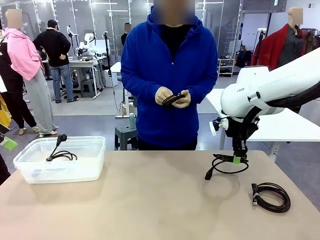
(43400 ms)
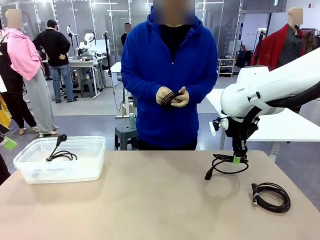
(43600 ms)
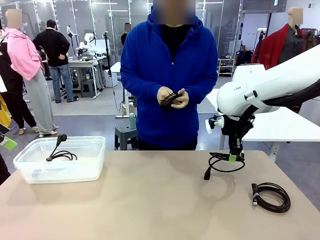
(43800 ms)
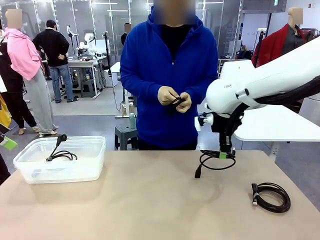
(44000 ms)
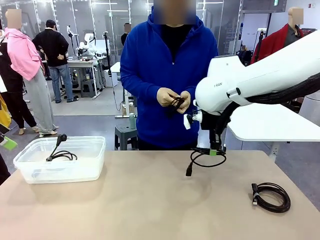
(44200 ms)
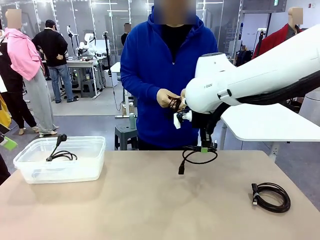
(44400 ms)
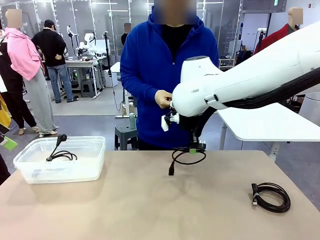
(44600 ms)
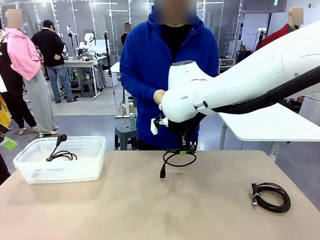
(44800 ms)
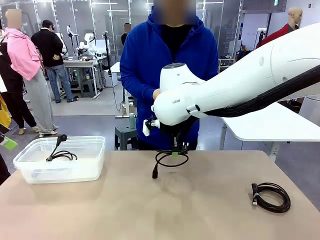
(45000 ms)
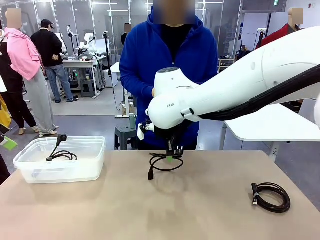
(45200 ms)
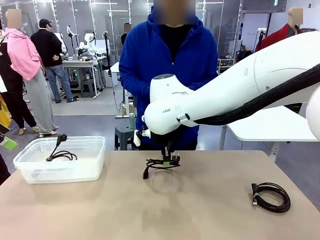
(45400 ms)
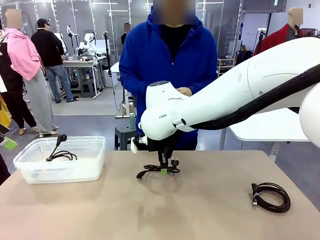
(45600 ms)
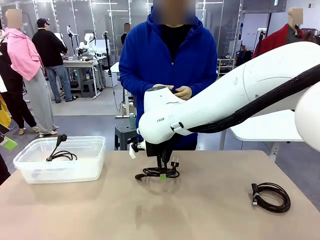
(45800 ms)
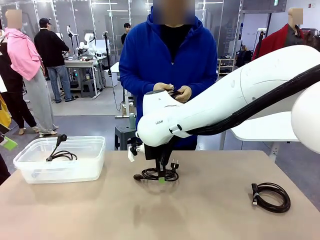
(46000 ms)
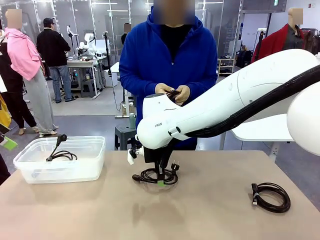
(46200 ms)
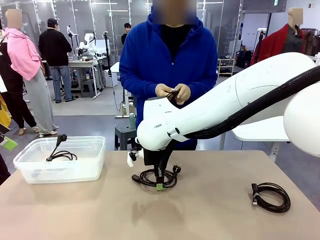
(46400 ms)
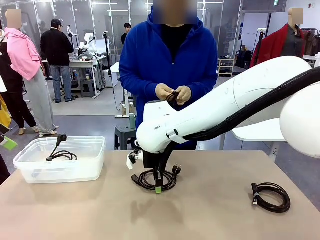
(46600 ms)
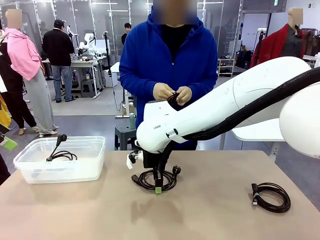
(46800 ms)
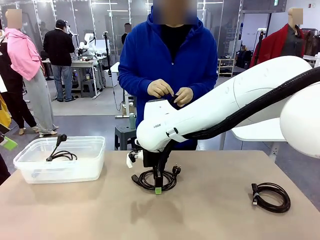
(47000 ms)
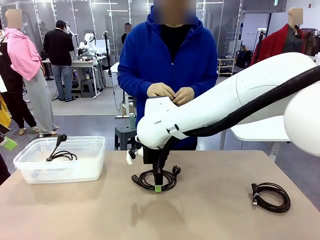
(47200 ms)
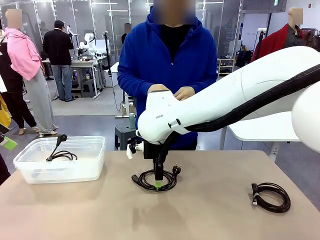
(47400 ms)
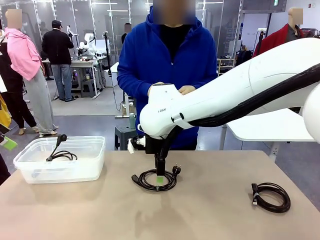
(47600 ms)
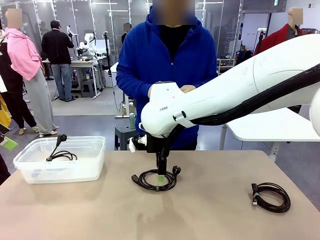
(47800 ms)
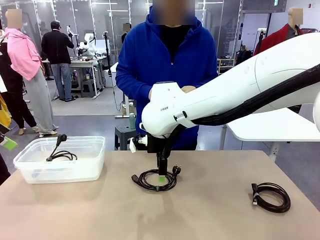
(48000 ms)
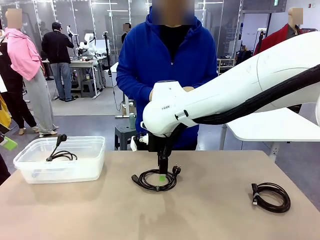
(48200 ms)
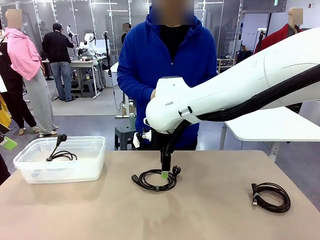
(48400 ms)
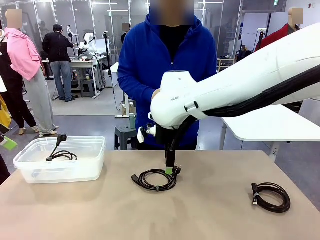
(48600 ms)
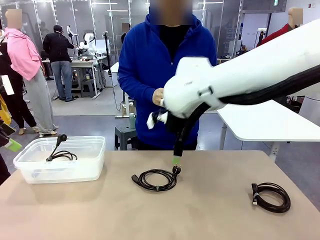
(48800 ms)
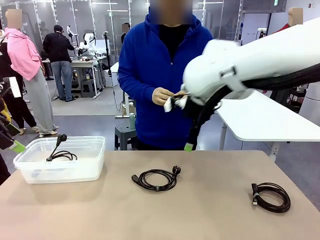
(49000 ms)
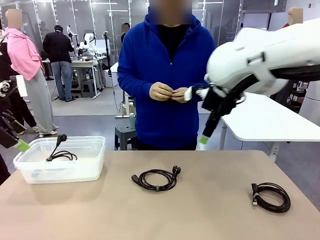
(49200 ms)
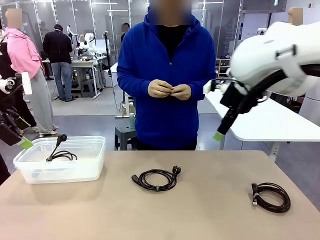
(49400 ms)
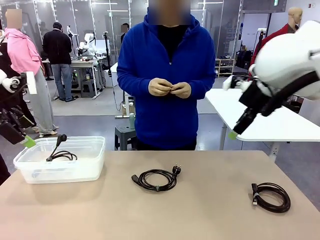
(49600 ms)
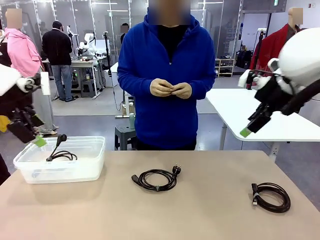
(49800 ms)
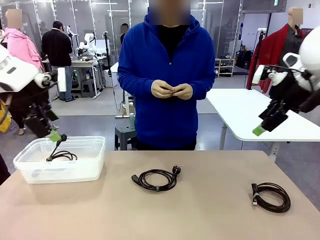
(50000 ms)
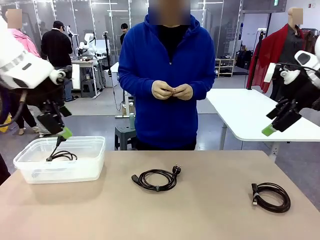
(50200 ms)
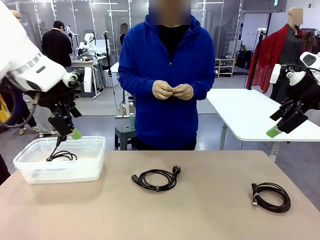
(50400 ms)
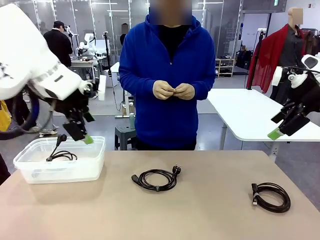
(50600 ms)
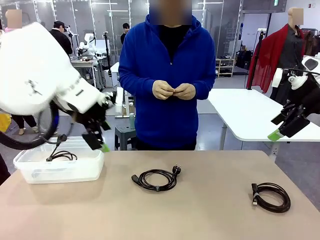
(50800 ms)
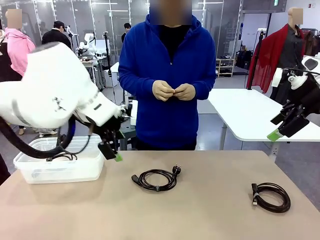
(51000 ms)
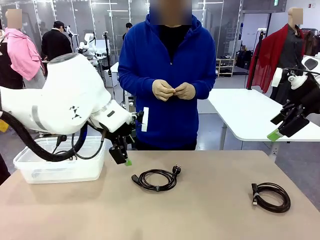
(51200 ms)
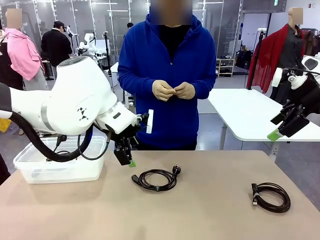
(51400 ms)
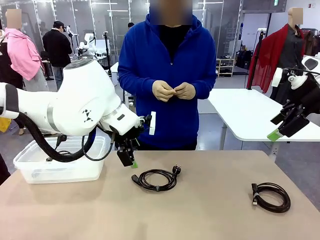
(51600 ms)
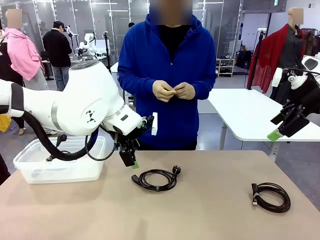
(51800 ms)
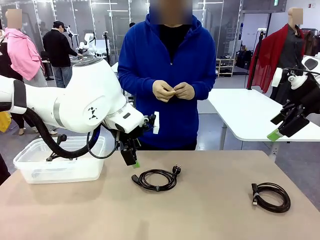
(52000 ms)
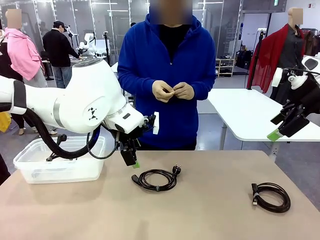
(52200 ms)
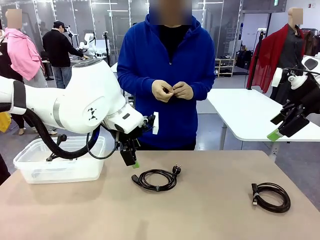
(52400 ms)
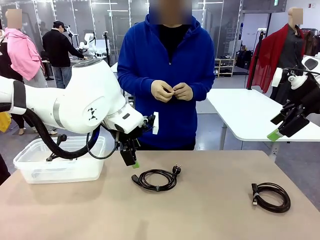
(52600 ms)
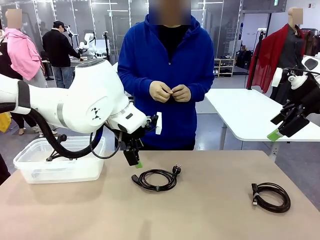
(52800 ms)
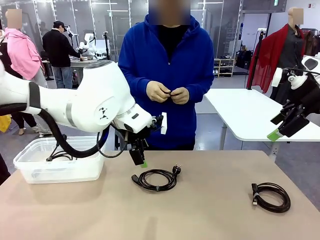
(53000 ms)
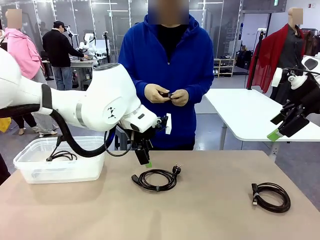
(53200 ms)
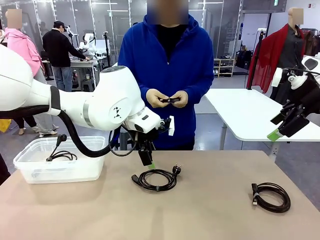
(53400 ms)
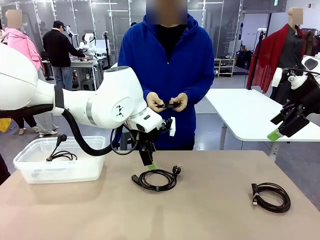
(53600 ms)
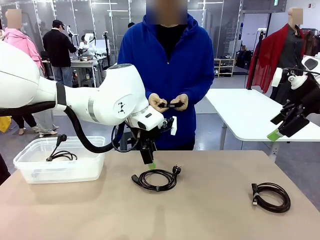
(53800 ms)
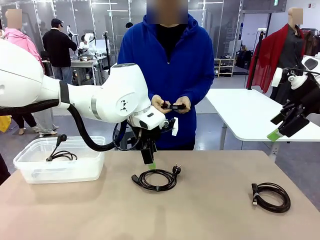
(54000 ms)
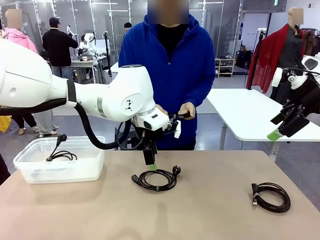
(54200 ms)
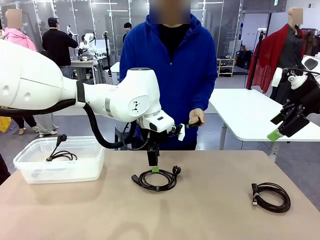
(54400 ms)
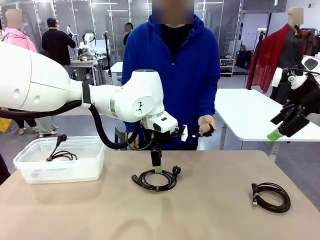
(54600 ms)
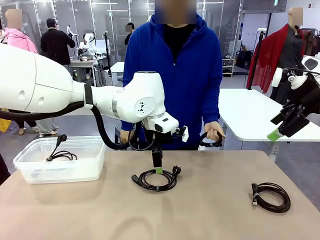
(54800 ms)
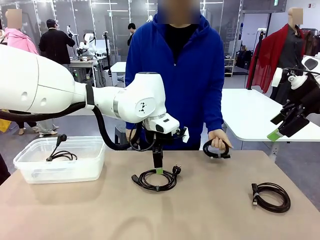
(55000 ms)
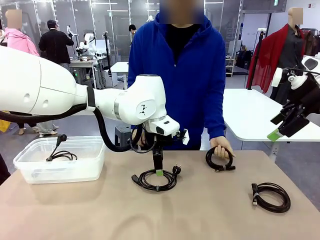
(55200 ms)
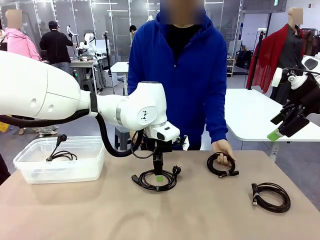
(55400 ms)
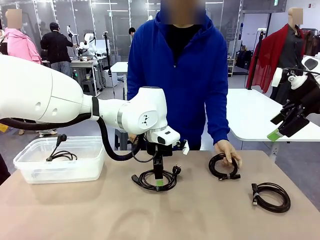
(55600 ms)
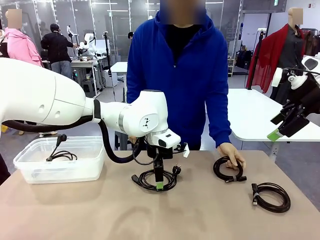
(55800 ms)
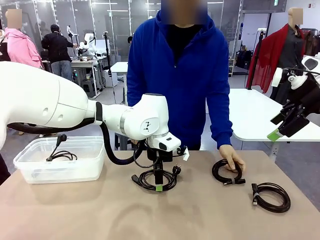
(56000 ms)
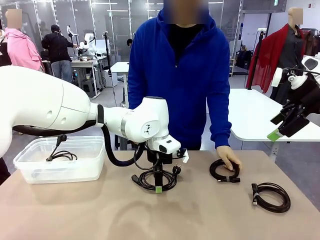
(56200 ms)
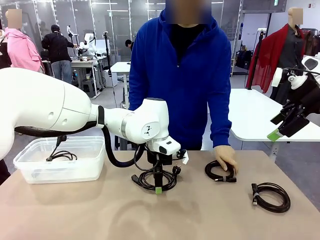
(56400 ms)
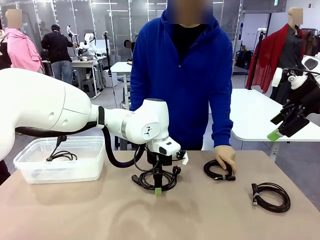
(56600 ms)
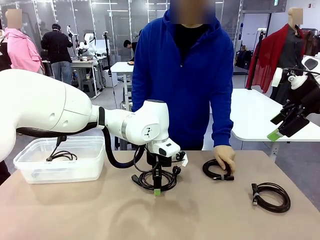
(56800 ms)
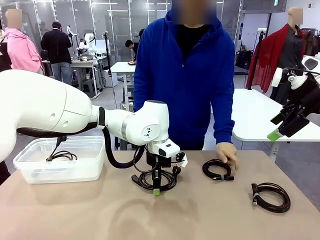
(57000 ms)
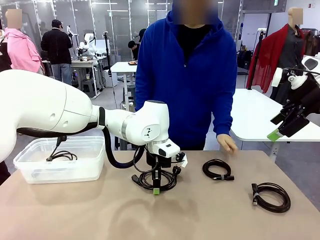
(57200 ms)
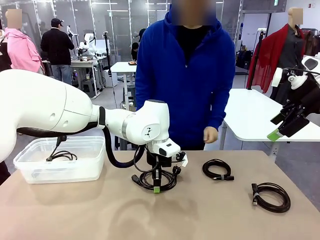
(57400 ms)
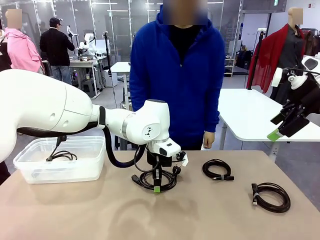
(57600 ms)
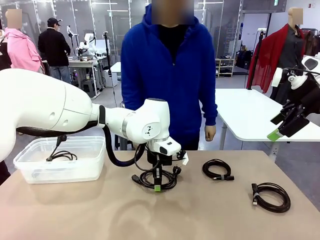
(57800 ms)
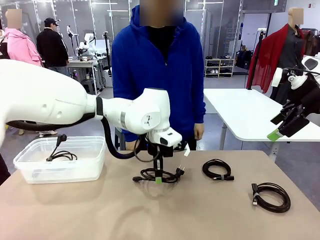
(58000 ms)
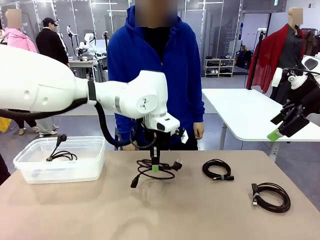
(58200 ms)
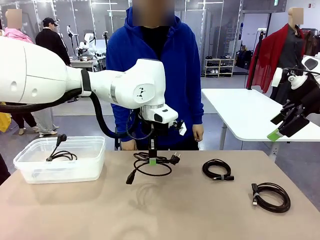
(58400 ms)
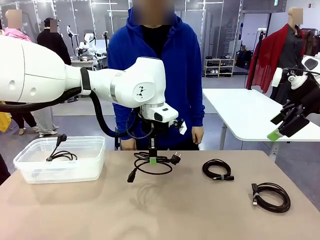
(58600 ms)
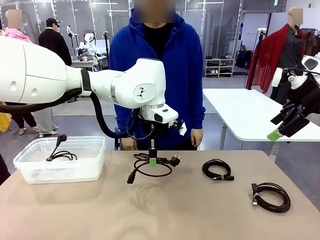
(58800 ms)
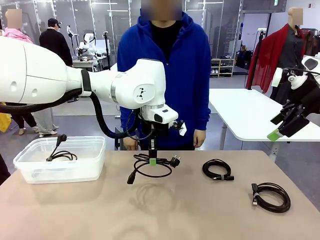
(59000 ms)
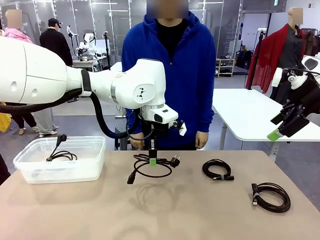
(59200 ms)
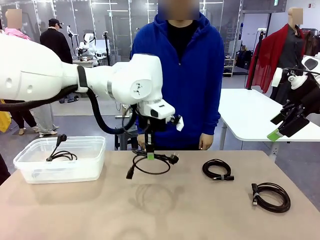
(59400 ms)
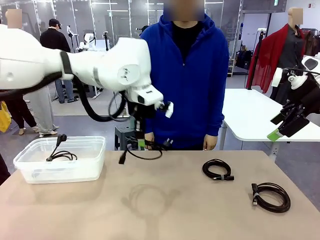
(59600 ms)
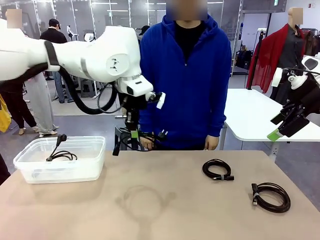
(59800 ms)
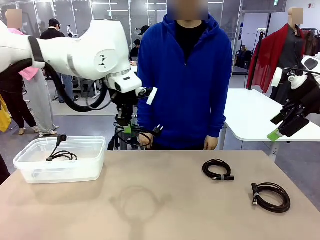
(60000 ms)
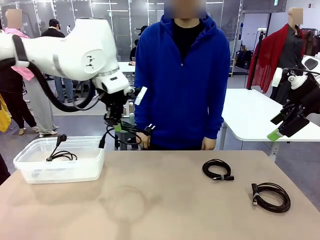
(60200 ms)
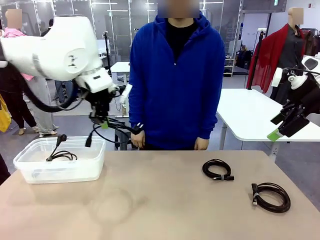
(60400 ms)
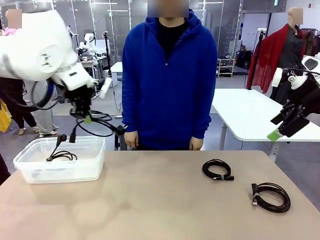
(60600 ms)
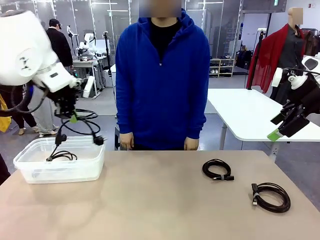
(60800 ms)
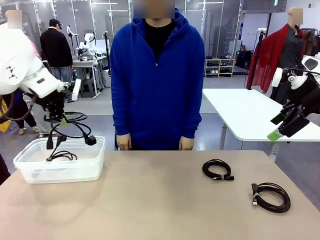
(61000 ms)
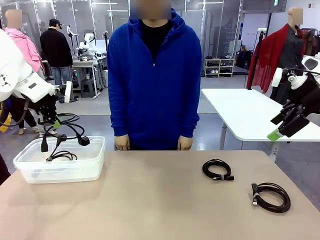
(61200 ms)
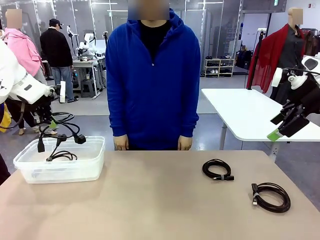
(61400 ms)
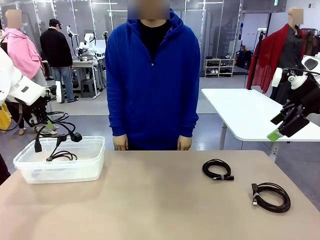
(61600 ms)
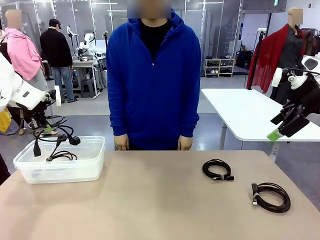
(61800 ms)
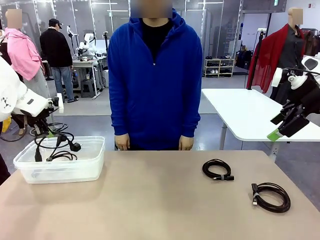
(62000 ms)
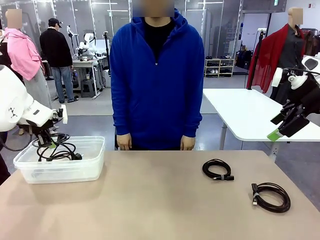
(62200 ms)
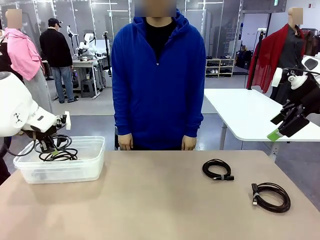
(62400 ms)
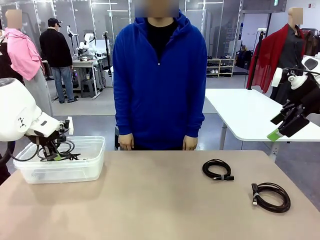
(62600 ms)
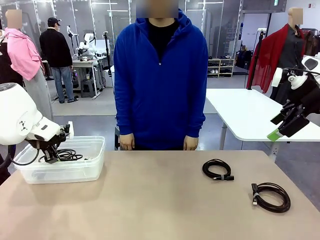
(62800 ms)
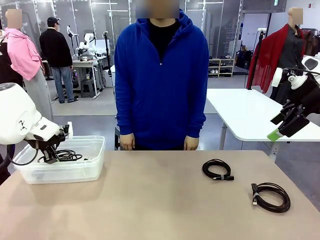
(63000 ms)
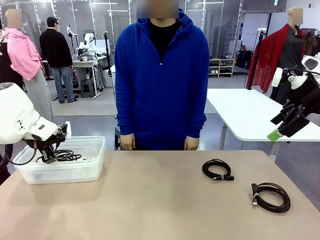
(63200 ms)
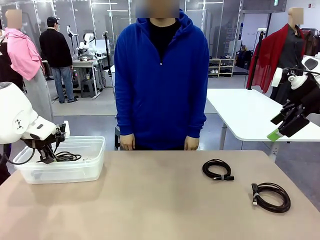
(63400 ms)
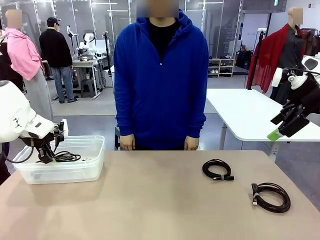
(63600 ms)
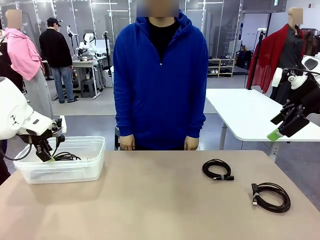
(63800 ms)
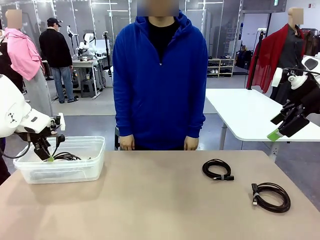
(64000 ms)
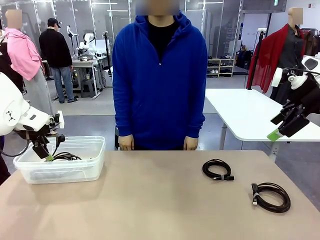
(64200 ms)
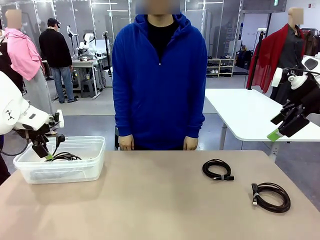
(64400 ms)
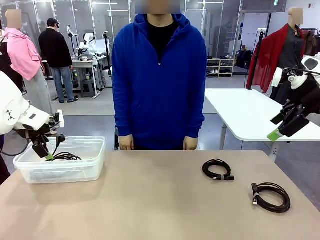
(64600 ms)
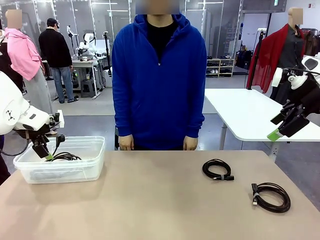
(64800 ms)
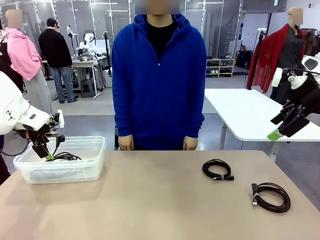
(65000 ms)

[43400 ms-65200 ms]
Task: Organize and store the cables.
Robot: Place the Power Cable into the Organizing box.
